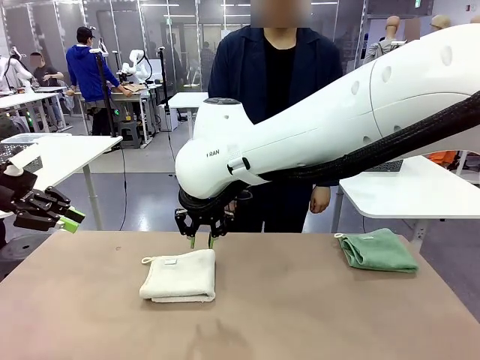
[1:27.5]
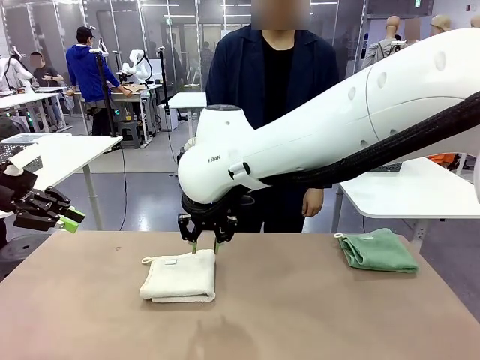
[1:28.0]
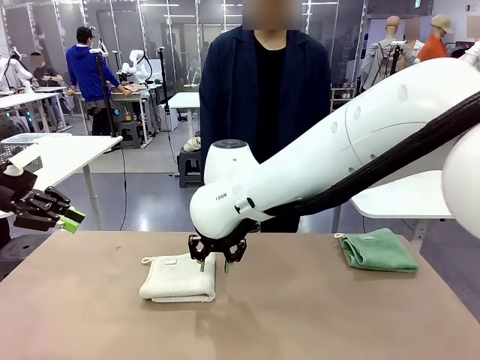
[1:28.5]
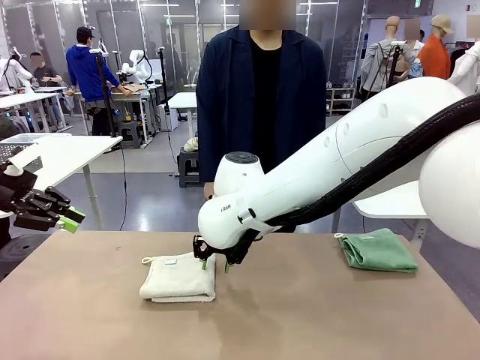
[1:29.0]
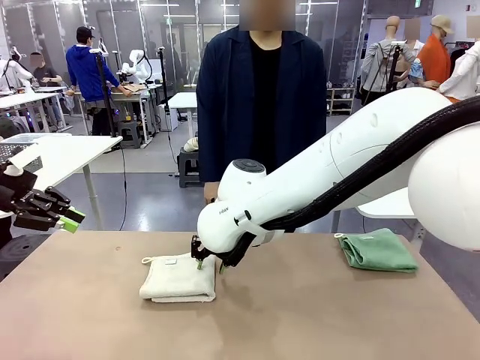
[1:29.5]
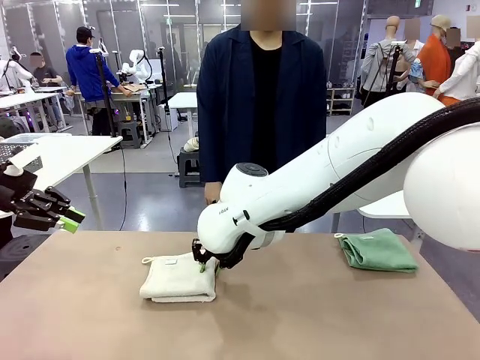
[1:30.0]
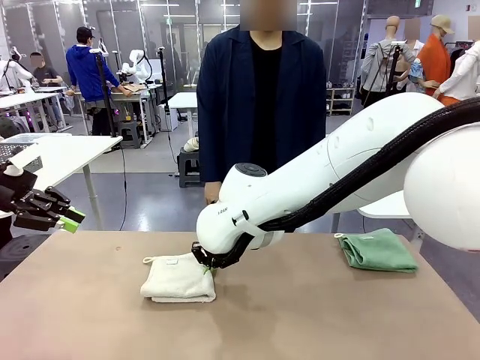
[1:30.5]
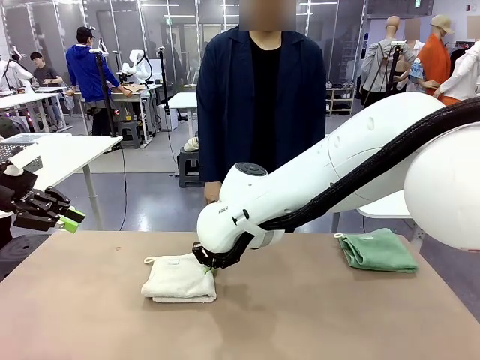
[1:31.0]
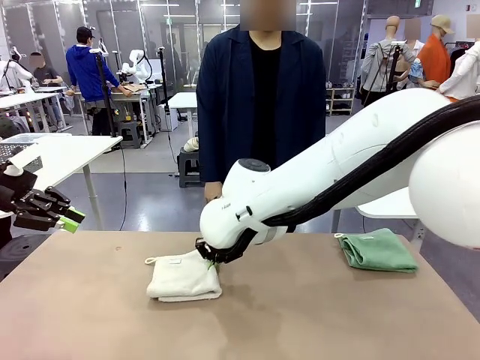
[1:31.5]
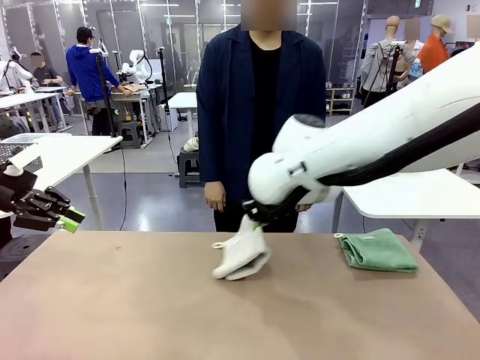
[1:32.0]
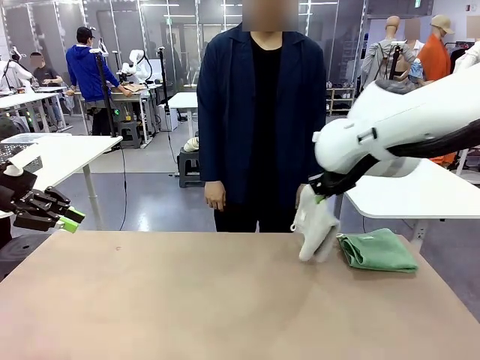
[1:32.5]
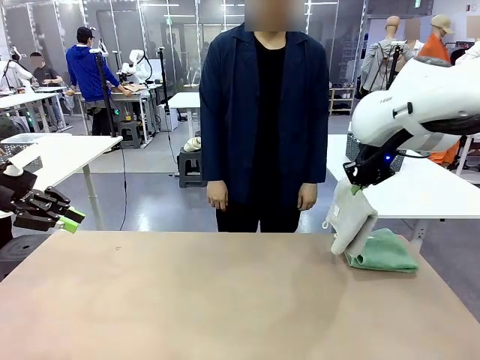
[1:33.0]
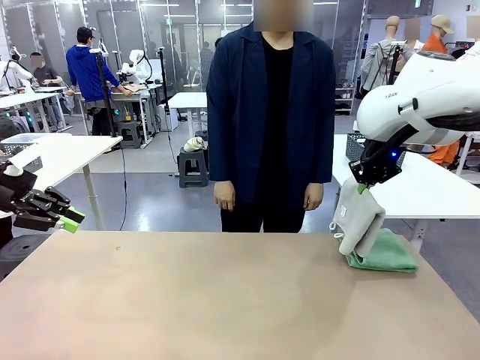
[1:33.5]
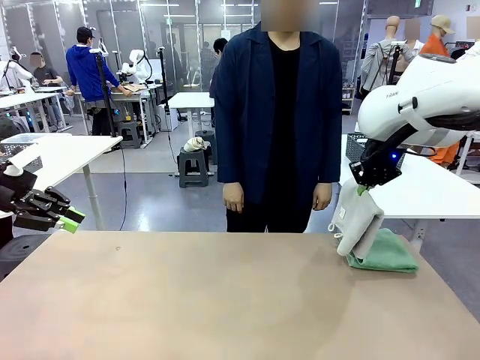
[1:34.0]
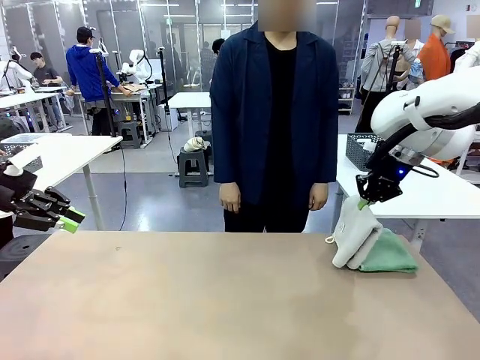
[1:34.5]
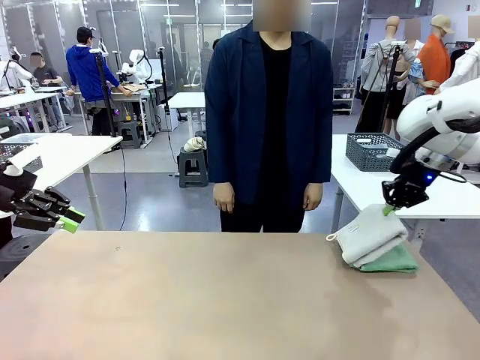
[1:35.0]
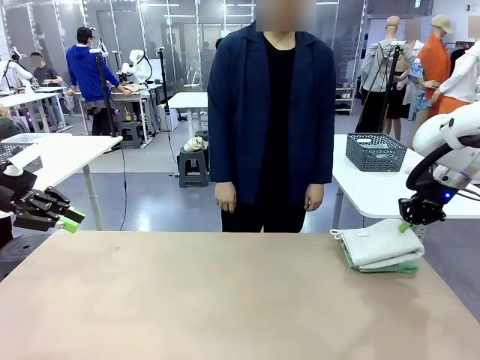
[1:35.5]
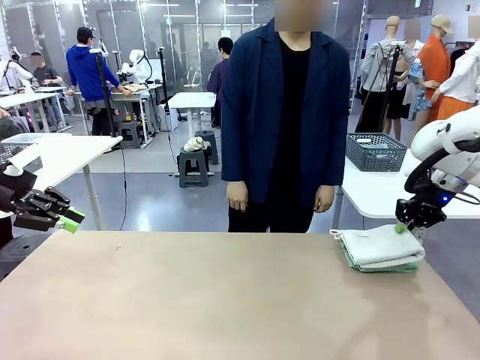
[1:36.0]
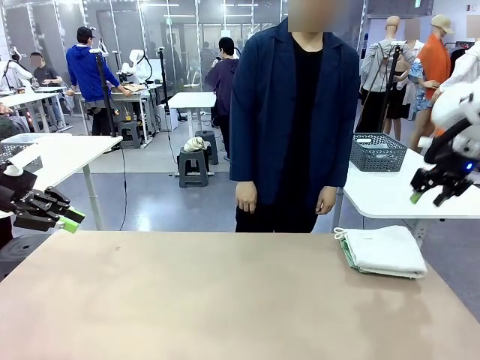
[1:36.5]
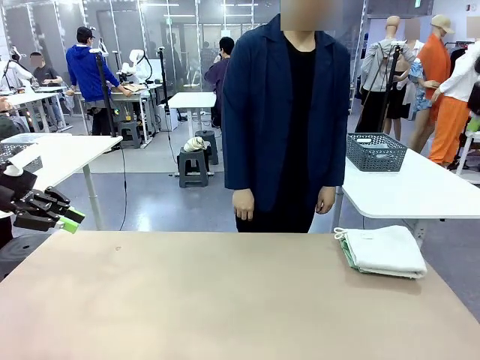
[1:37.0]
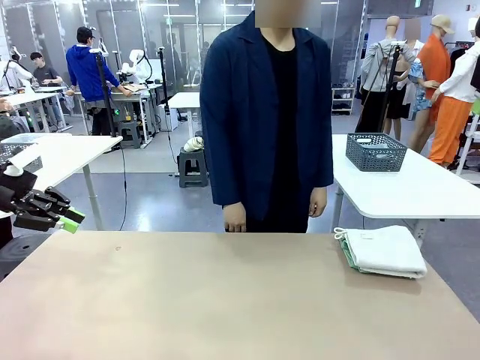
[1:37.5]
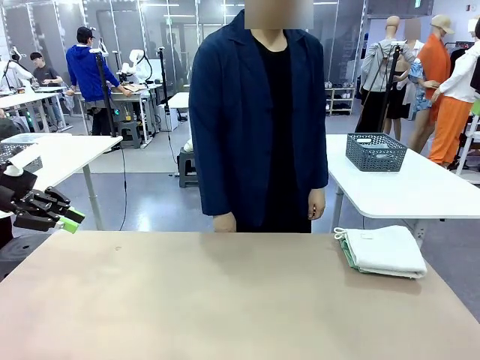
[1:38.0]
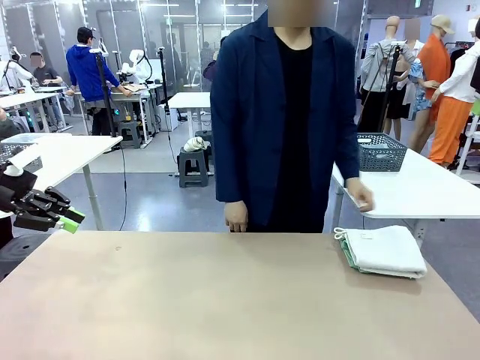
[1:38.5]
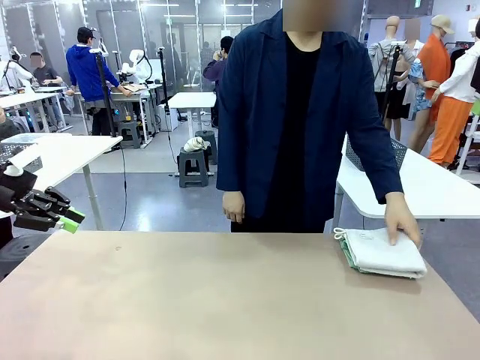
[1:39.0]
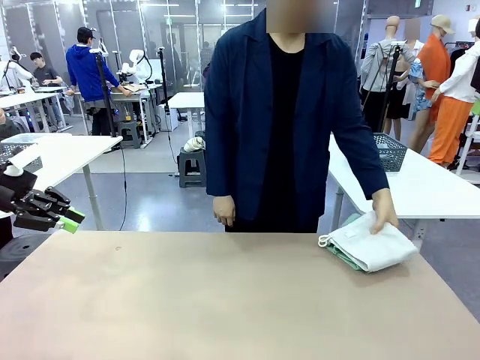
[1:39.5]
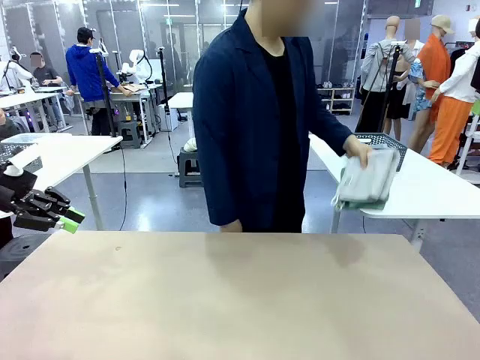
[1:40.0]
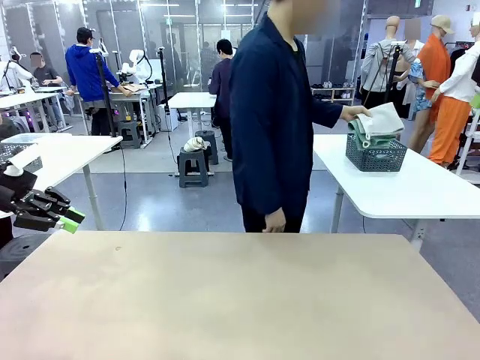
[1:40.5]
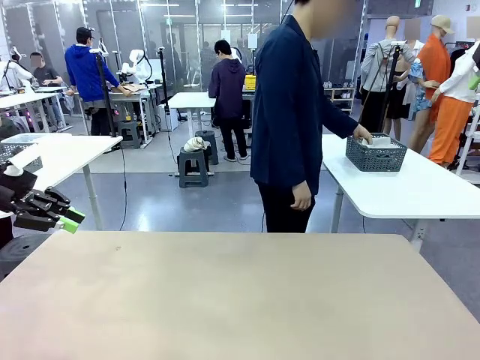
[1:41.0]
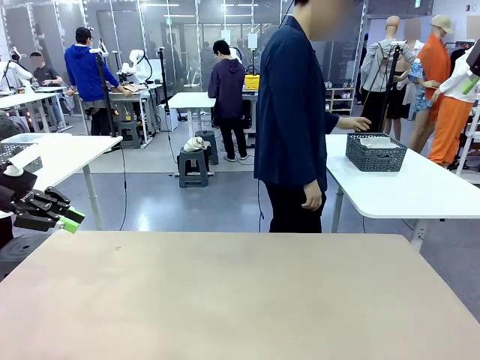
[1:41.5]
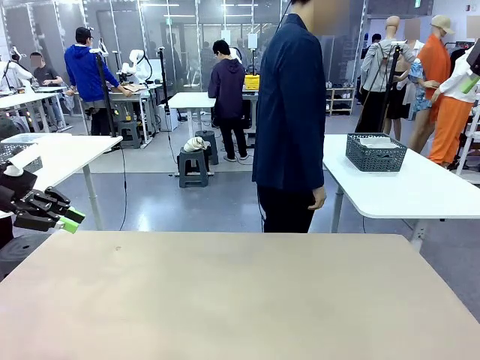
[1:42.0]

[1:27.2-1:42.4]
Task: Fold the towels and place them in the basket.
Robot: Stack the folded Towel with hook on the right side of the table.
Person: Pick up the stack of towels from the robot table and place it into the basket.
